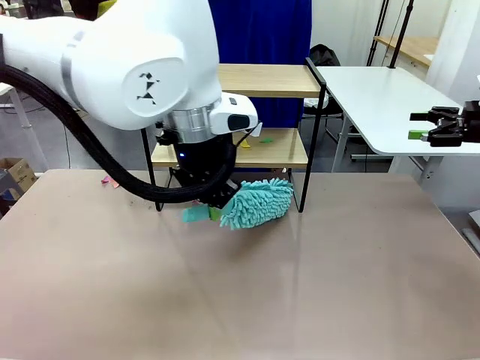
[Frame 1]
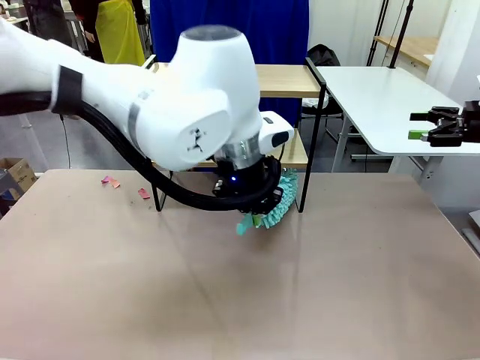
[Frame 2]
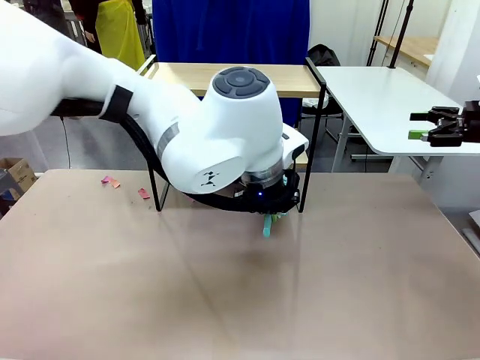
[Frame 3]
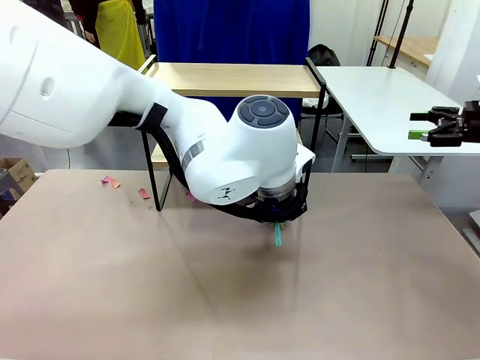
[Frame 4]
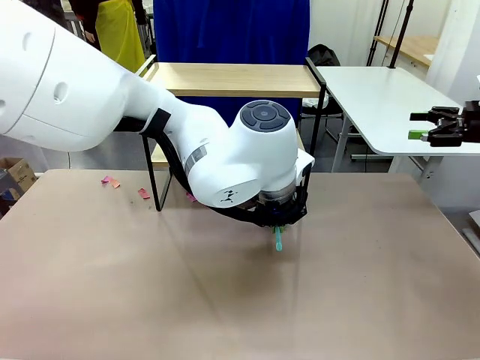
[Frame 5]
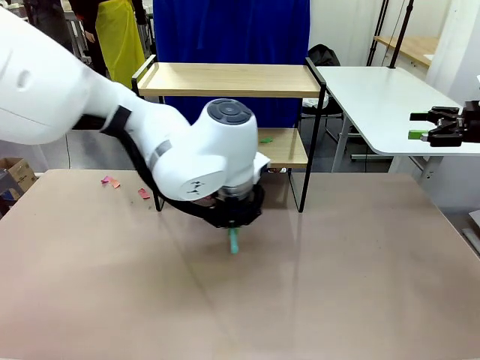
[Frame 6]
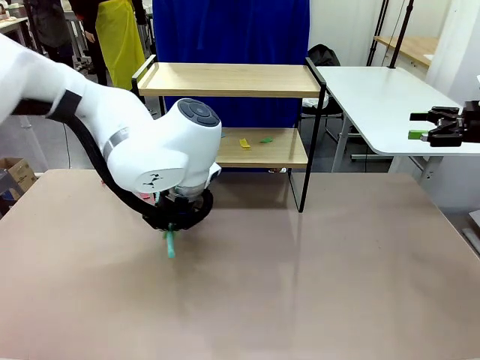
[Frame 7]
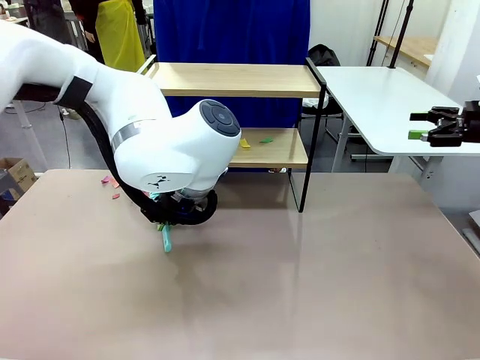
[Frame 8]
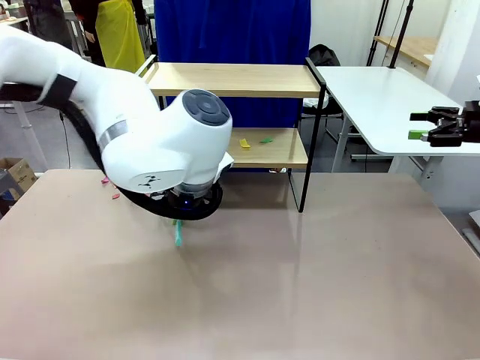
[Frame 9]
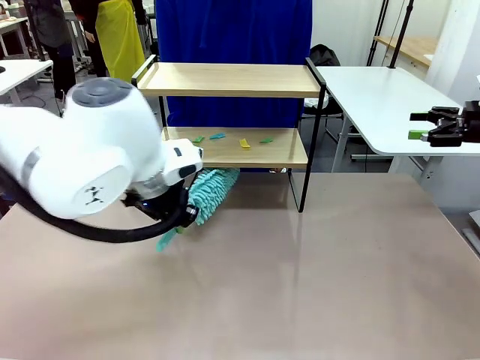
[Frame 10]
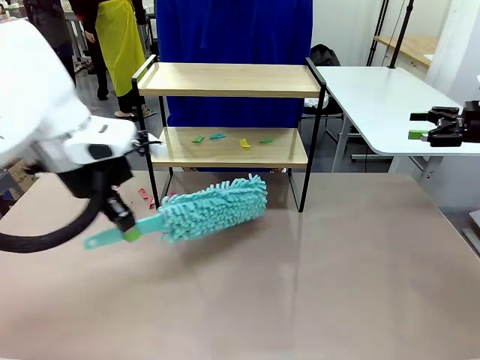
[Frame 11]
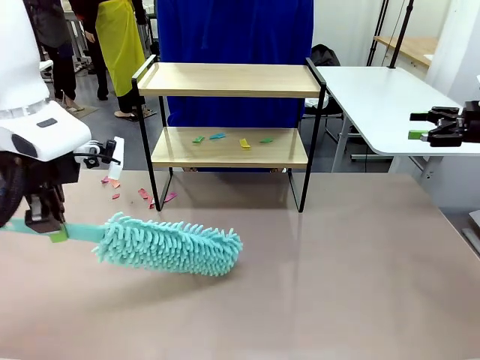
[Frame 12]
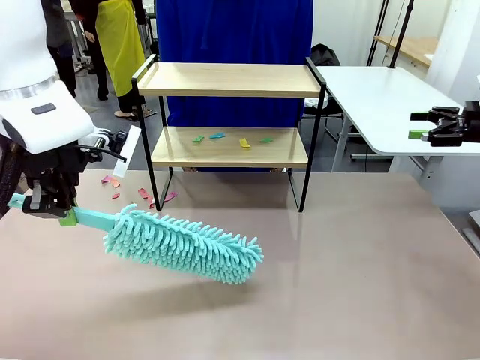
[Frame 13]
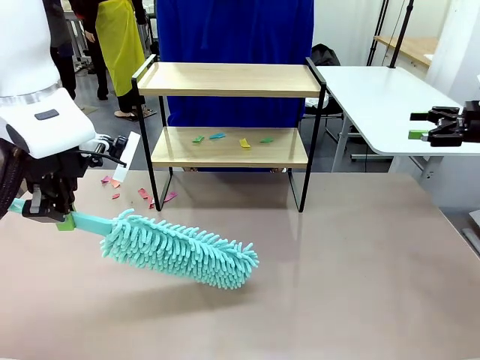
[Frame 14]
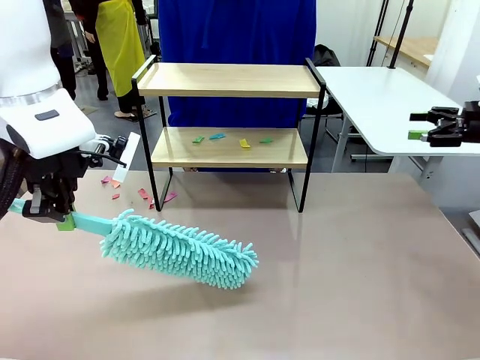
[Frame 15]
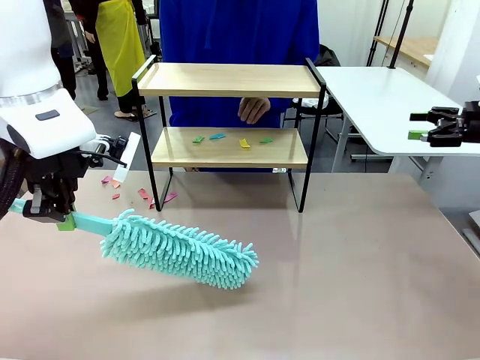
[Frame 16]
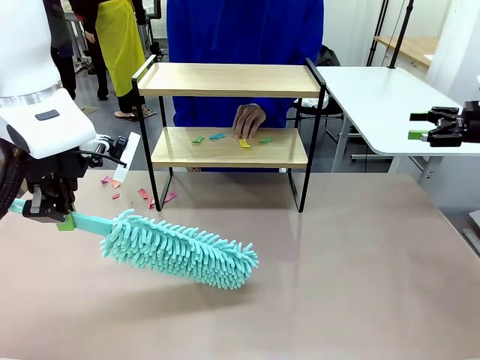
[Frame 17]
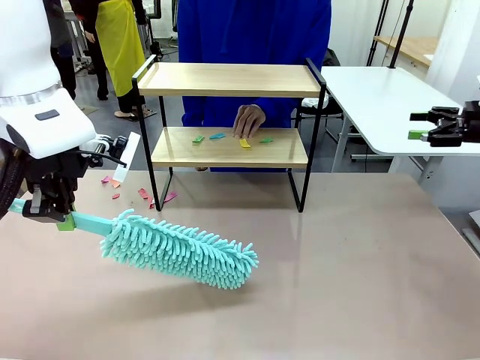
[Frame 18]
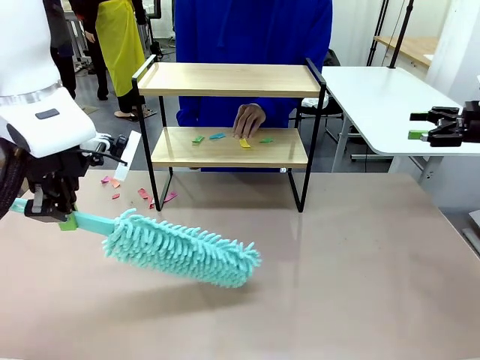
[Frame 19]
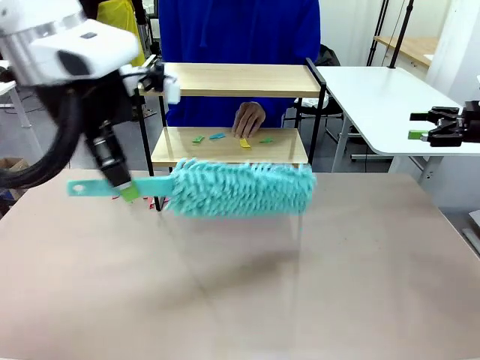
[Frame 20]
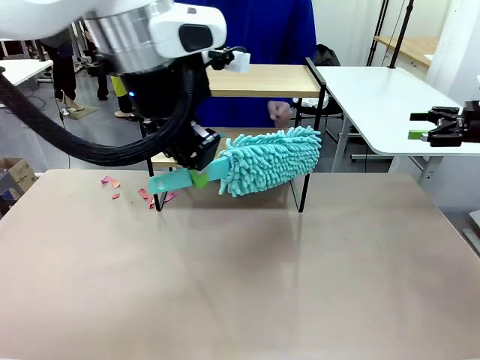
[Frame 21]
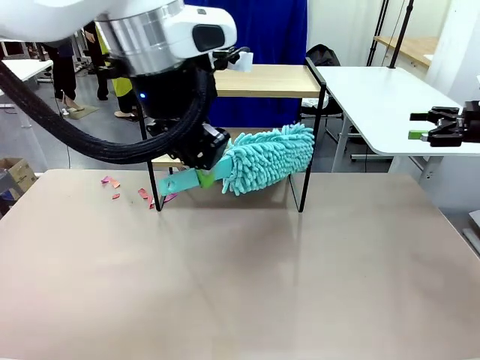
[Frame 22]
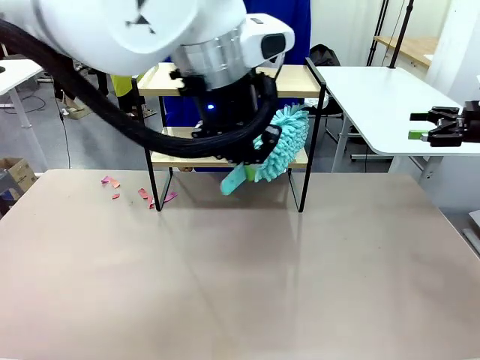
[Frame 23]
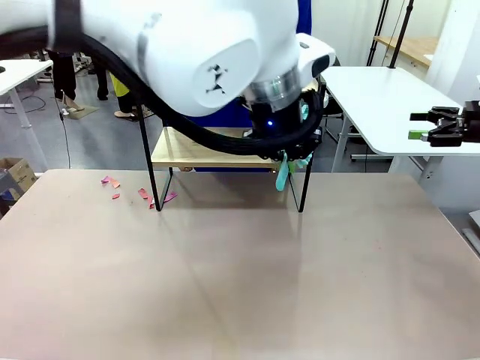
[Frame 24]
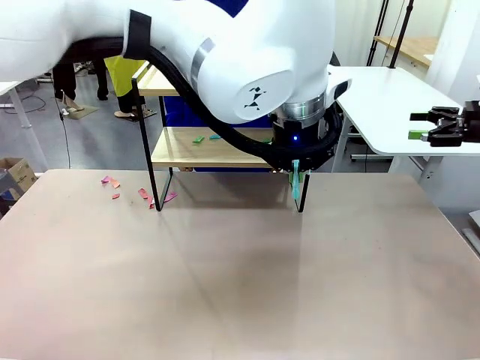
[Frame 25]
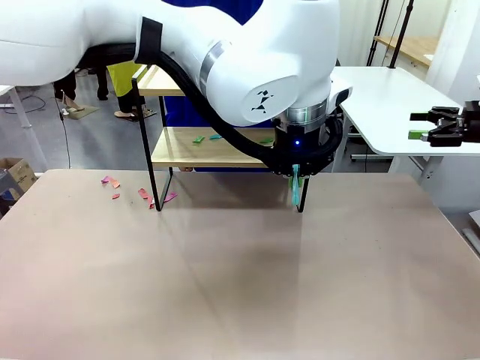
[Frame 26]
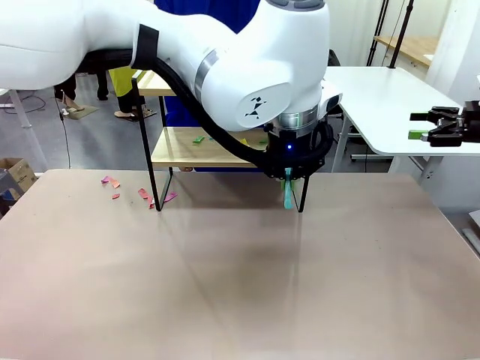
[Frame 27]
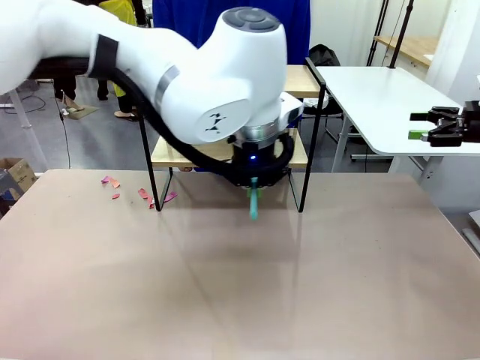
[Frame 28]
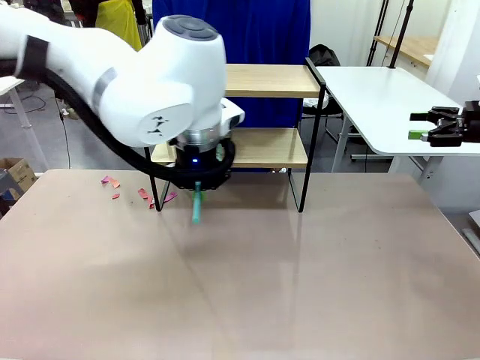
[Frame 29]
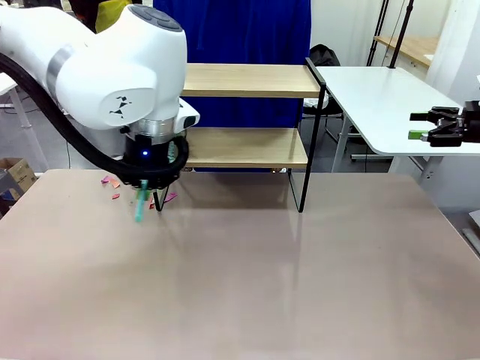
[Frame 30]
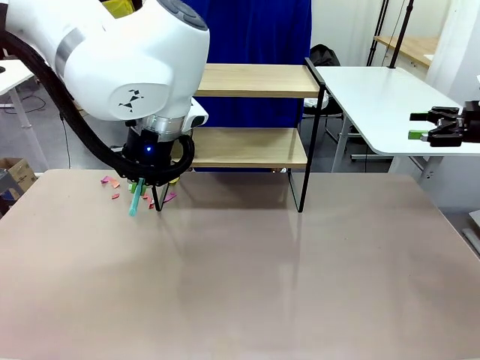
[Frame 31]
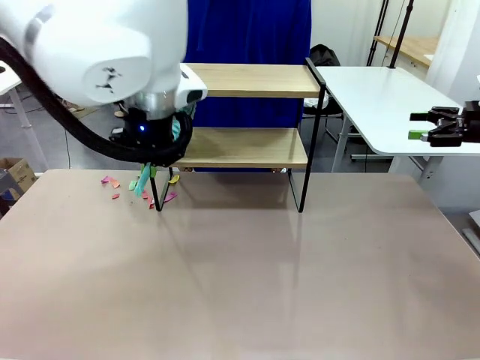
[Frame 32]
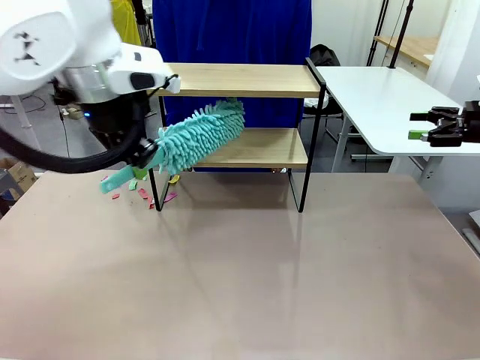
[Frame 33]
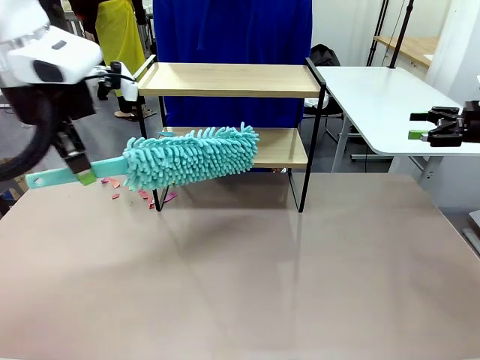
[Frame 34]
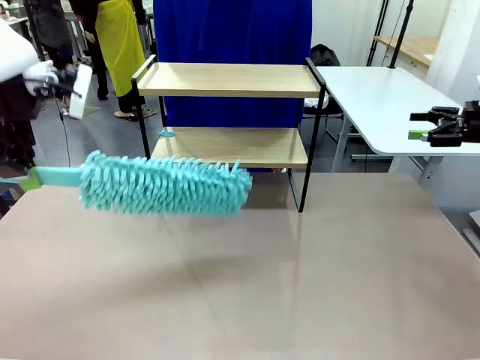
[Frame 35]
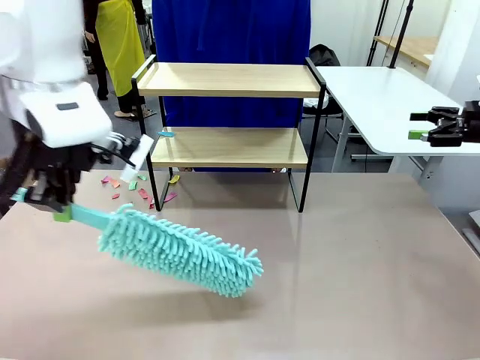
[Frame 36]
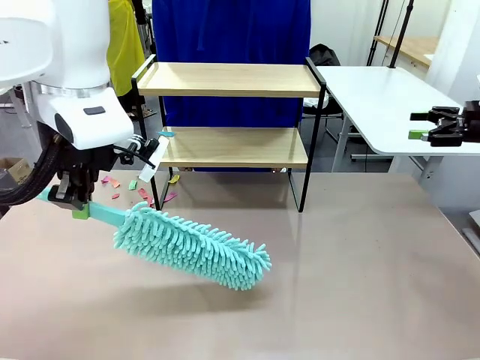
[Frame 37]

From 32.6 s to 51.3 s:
Task: Clean the shelf.
Robot: Clean the specific section of the Shelf indicated by the human with the Duster.
Person: Point a remaining section of the Shelf.

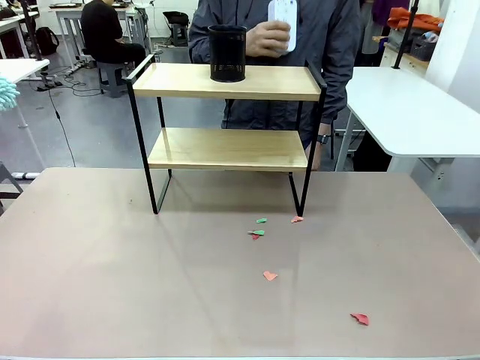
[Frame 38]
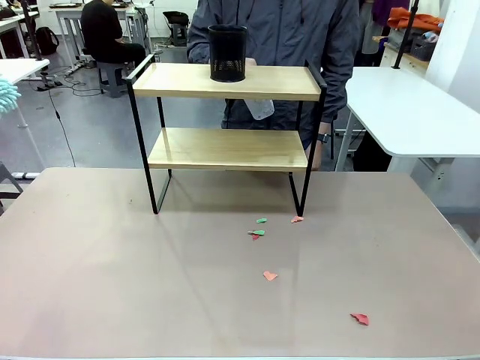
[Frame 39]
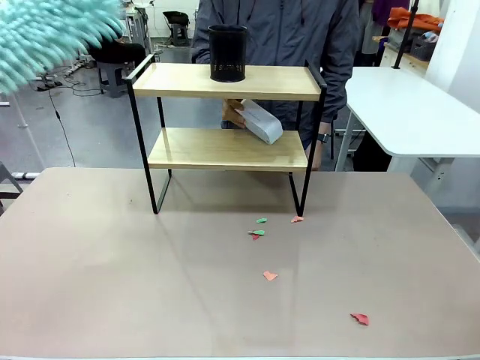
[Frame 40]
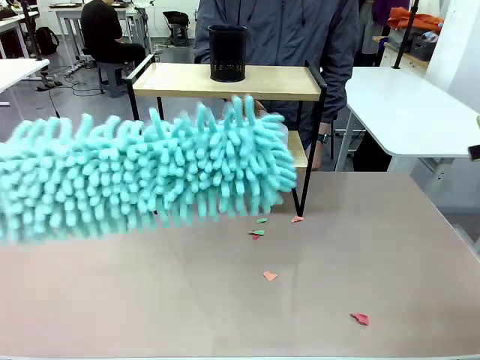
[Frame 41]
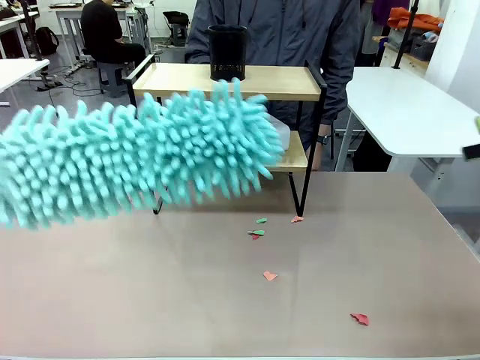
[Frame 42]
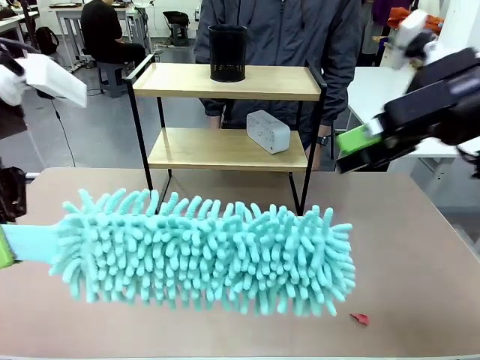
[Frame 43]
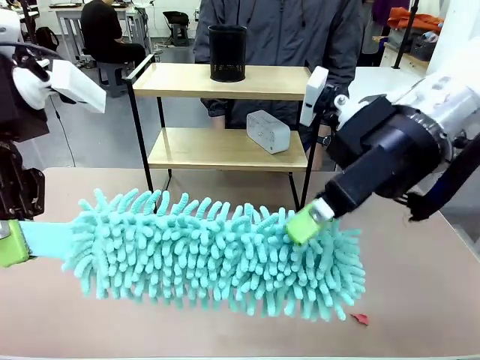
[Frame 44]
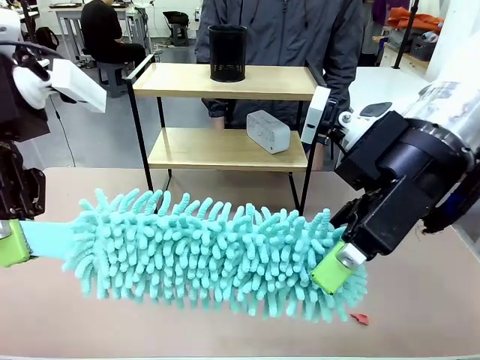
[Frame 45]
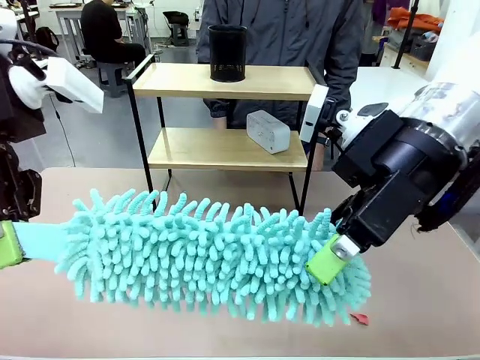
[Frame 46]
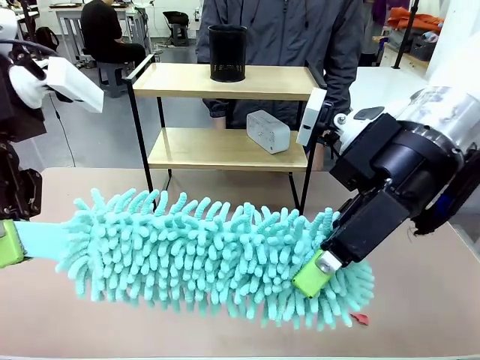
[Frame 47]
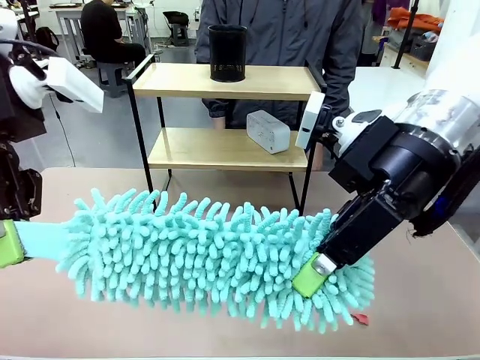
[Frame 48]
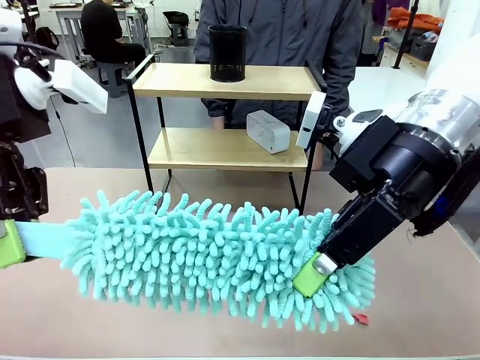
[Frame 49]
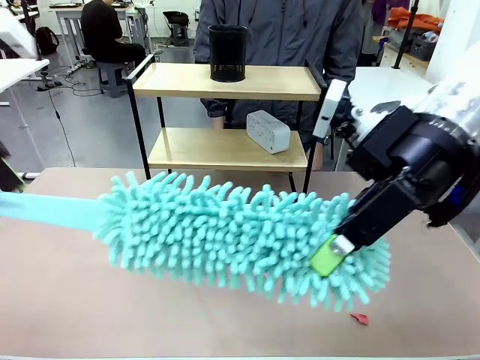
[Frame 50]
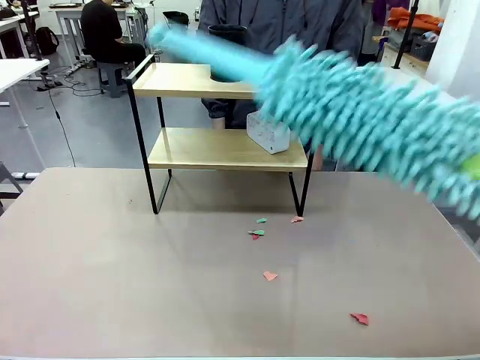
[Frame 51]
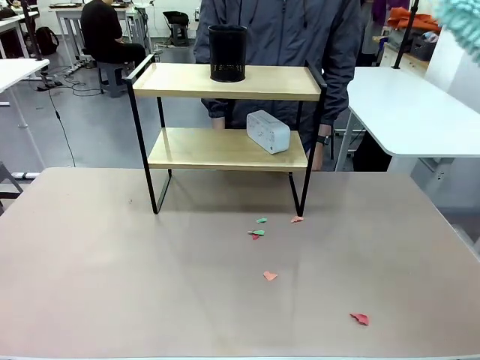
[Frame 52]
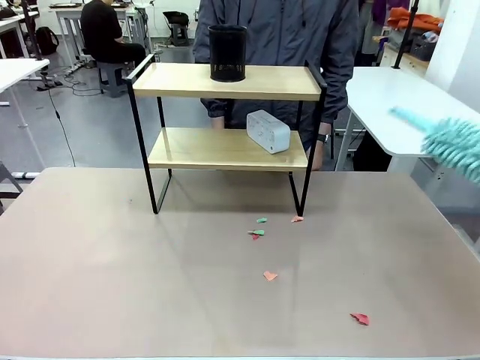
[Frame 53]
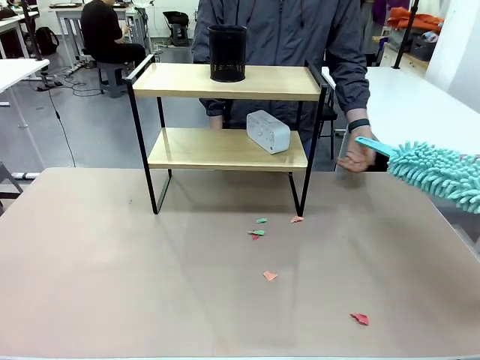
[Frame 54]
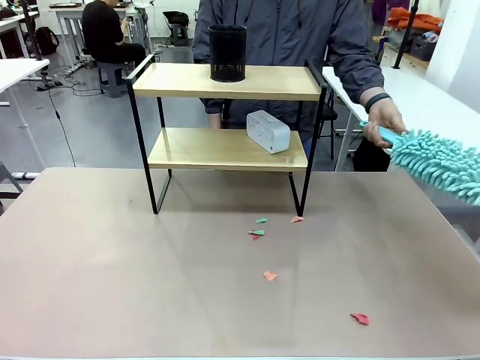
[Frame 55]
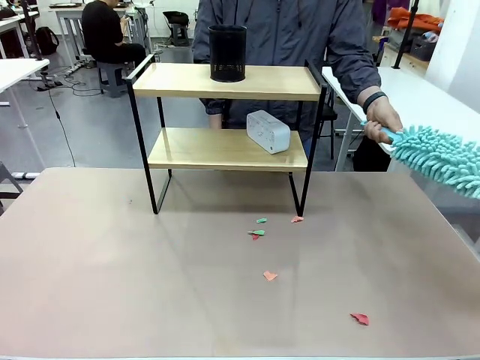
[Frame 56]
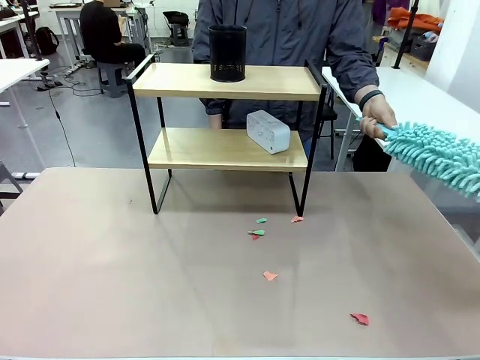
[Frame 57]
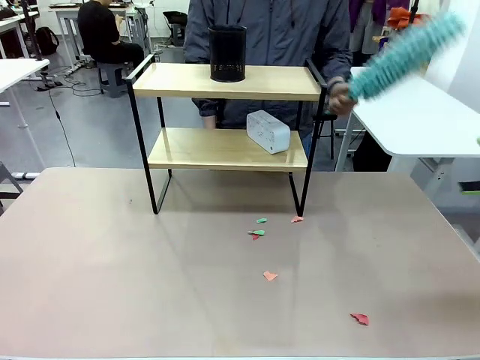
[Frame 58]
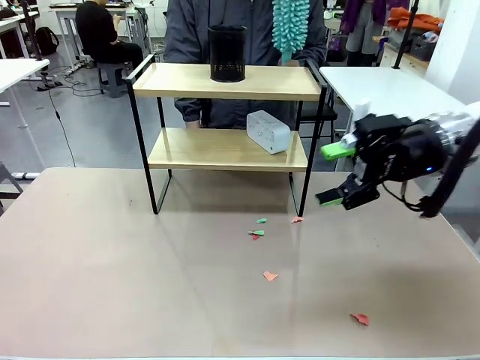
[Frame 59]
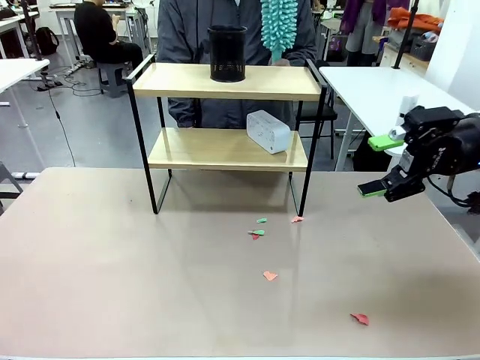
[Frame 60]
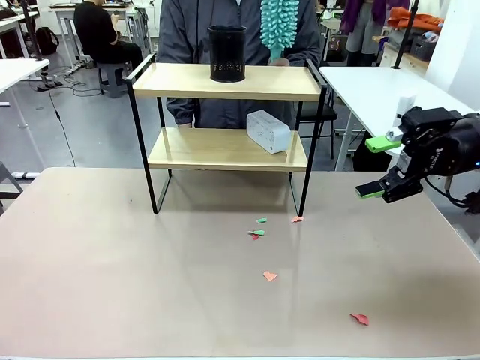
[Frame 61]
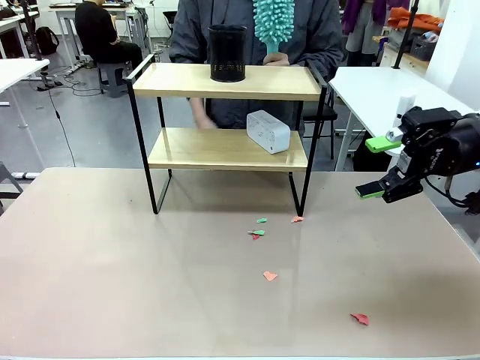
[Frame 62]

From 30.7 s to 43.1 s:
Task: Clean the shelf.
Robot: Hand the Duster back to the human.
Person: Receive the Duster from the robot.
